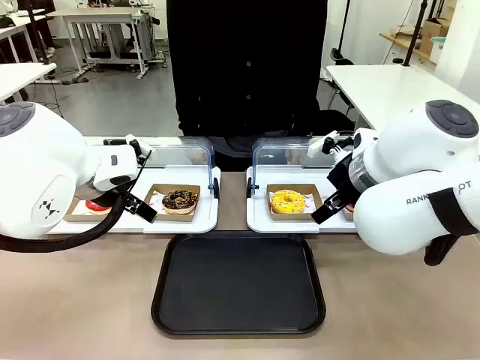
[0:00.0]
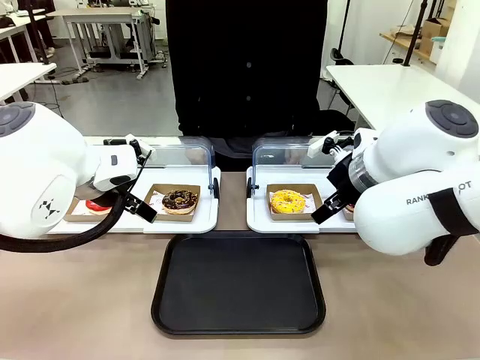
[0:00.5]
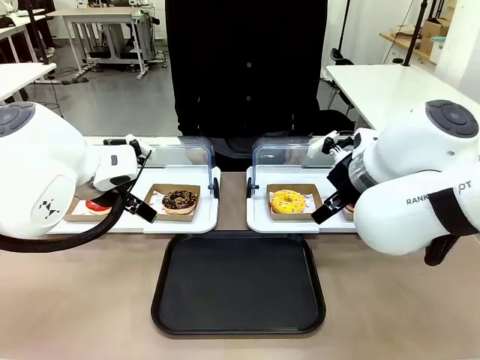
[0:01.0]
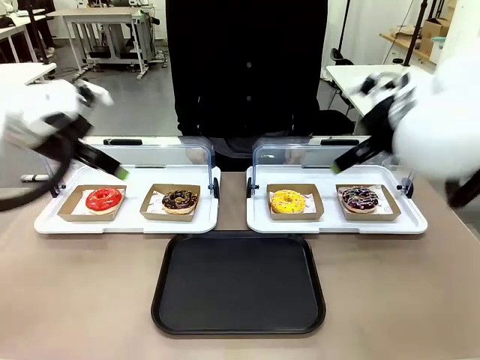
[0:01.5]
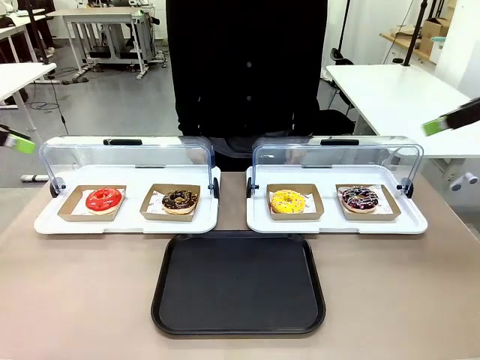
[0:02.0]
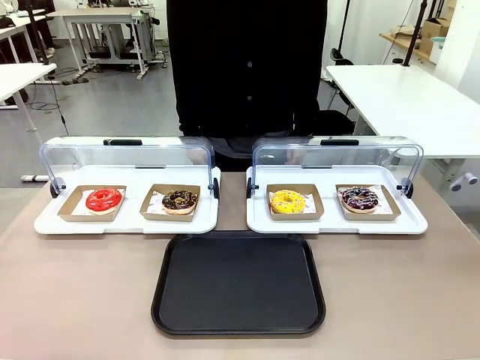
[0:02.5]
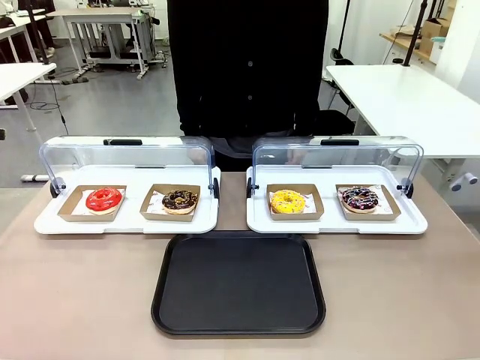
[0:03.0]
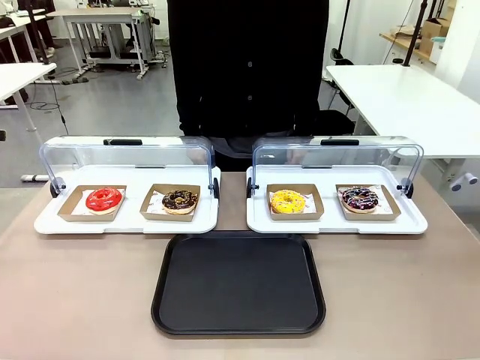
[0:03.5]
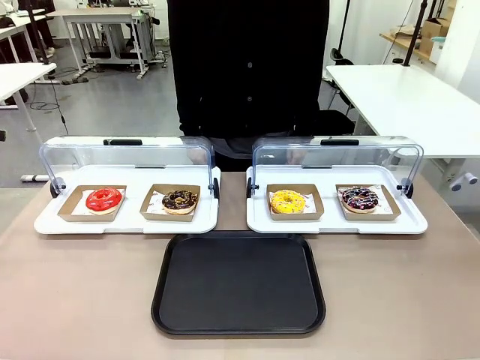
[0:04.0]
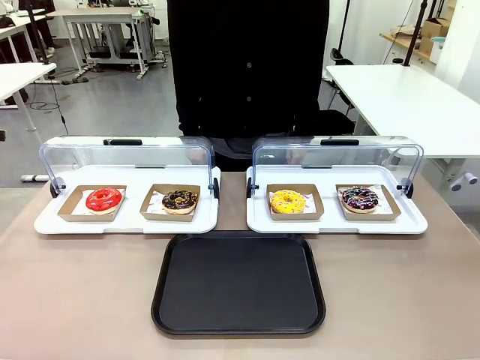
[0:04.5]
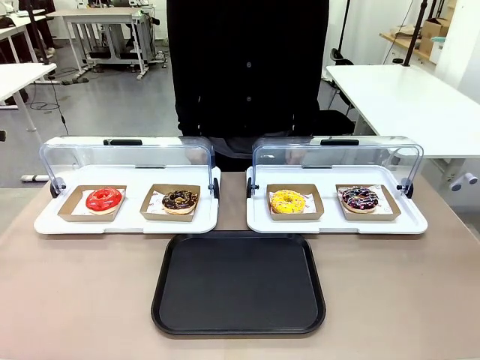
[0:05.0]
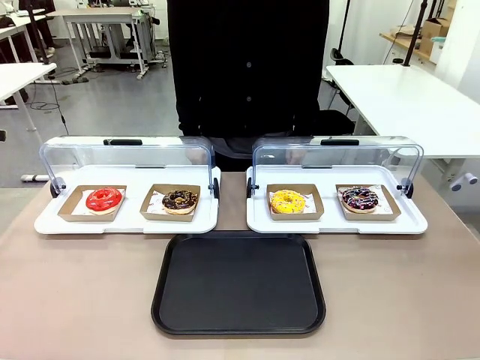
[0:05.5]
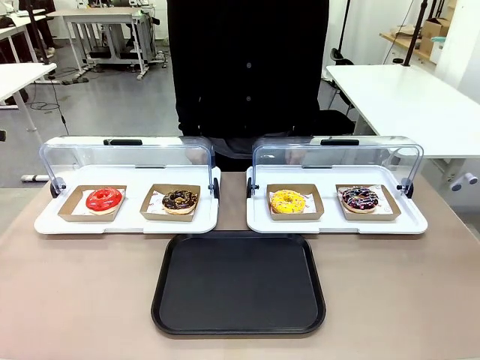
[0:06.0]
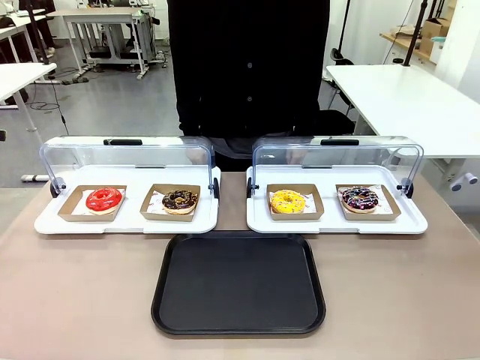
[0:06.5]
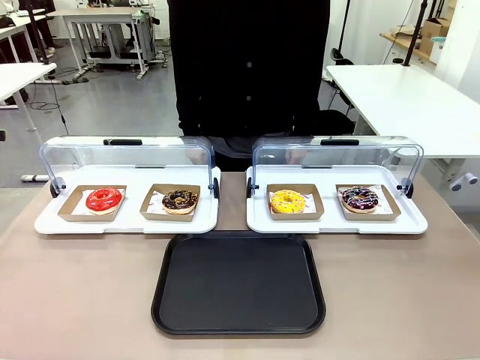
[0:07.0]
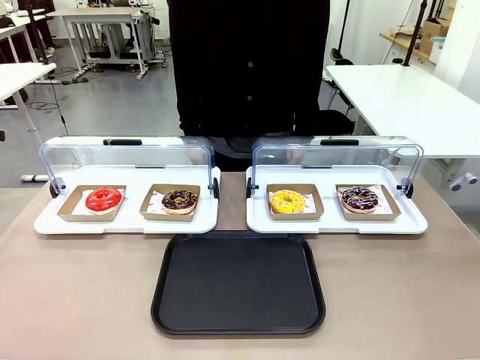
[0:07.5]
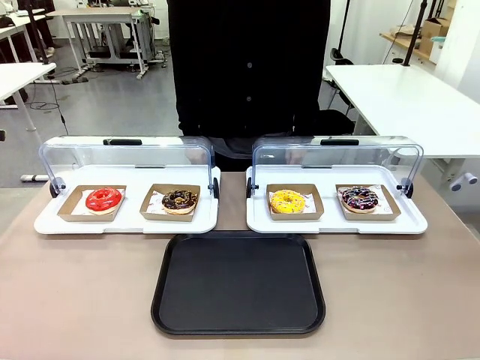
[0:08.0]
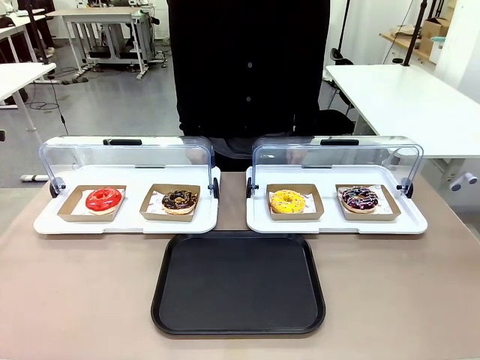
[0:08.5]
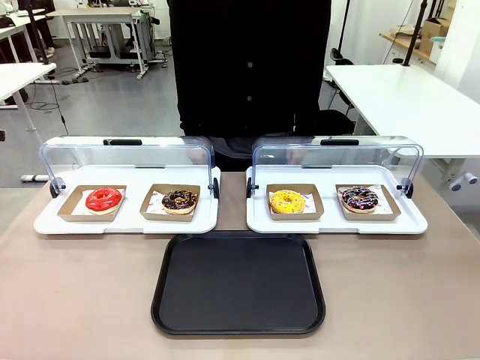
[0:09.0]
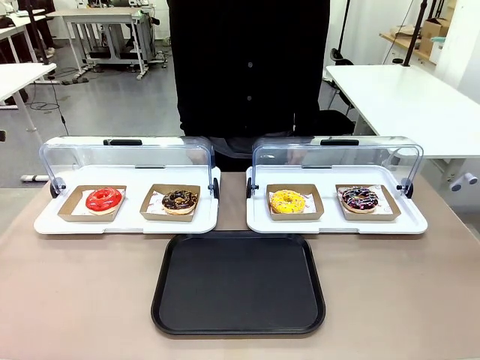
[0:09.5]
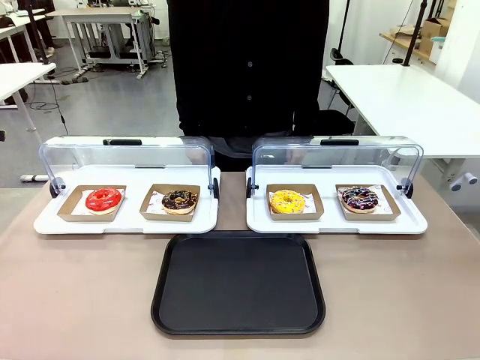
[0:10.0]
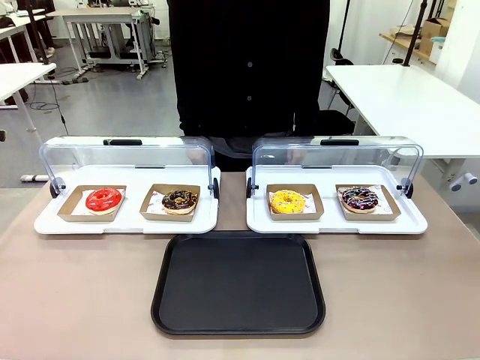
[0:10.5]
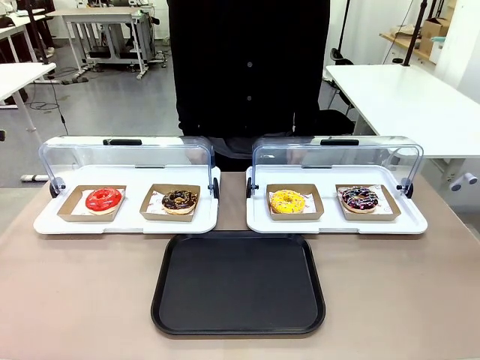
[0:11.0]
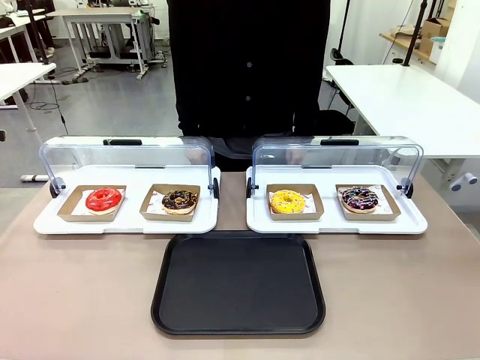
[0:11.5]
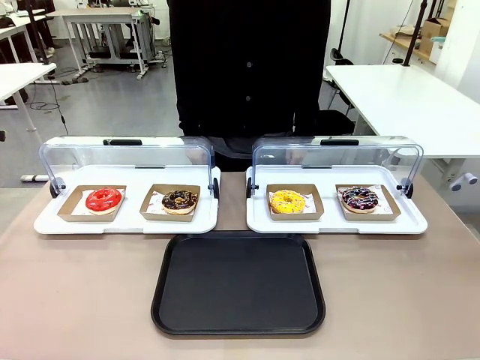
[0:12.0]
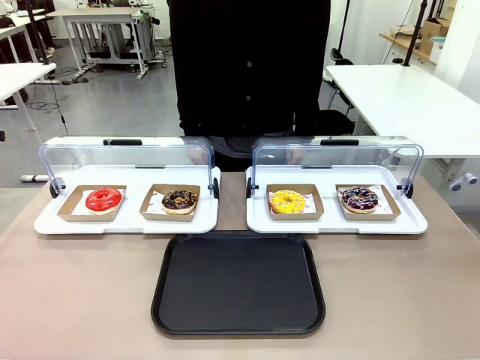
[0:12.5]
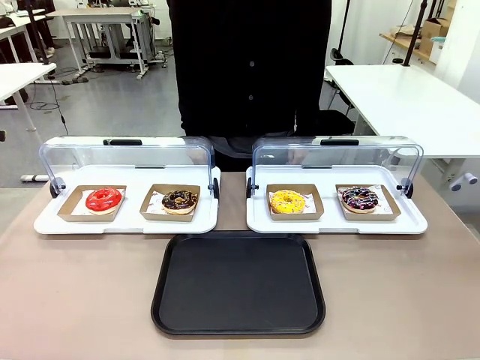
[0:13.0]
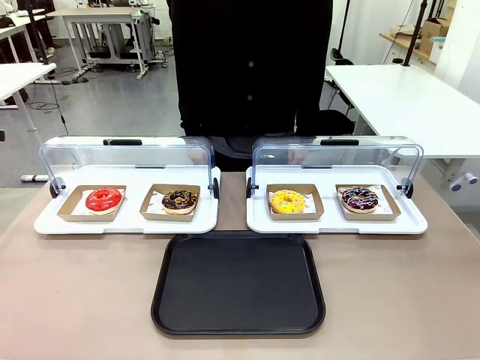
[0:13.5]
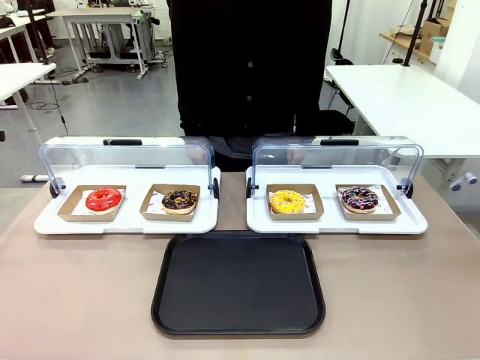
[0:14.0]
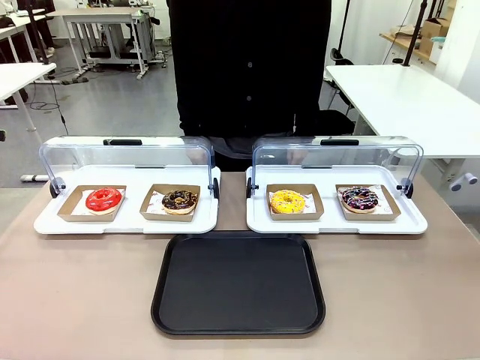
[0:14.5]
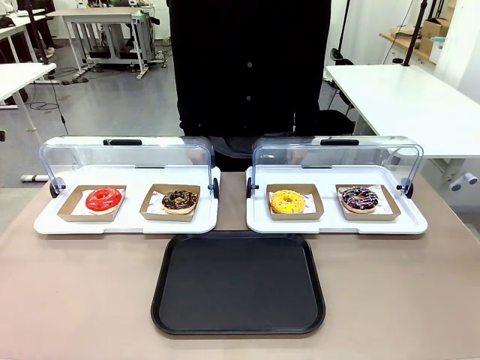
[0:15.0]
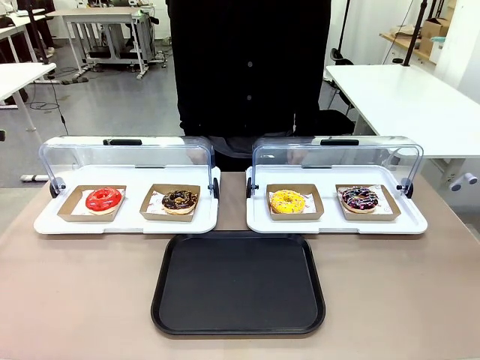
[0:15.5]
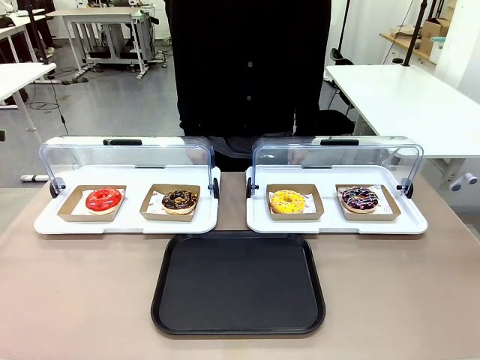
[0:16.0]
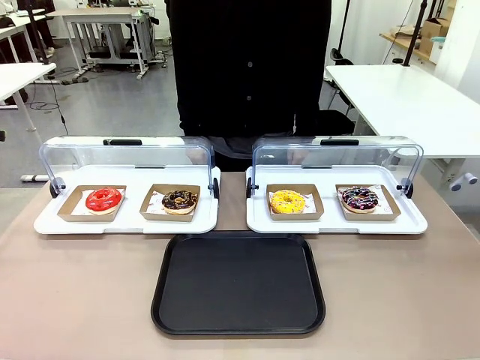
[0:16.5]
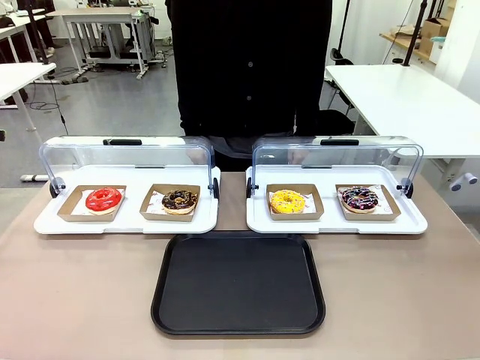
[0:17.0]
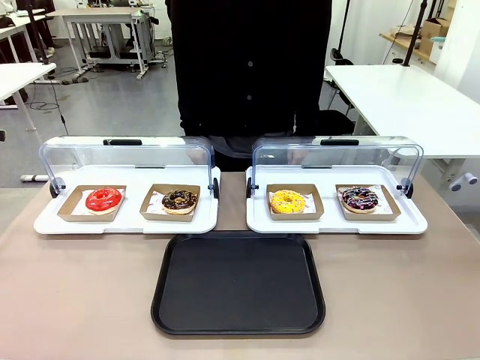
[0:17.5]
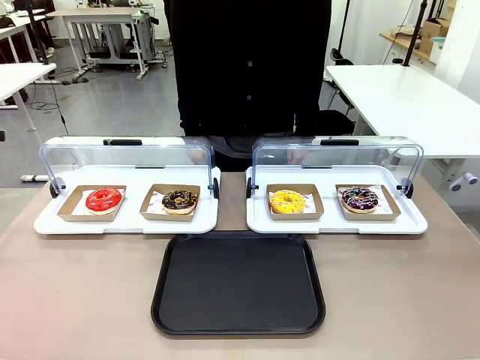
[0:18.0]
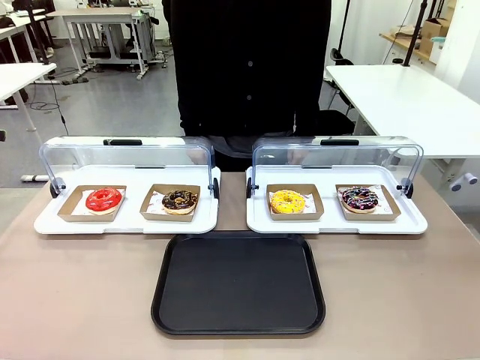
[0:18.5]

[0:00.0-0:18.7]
Task: Move the fourth donut from the left to the tray.
Robot: Pick up the Paper togo box containing the Donut indicated by the person and place it on the Handle tray.
